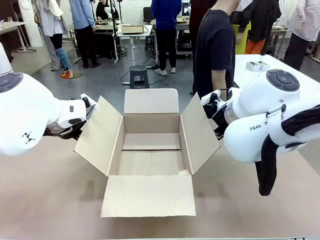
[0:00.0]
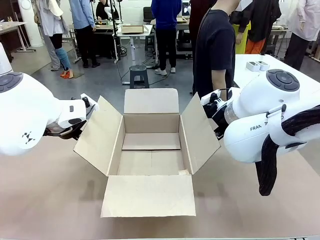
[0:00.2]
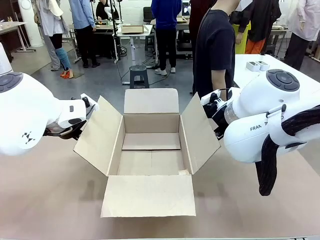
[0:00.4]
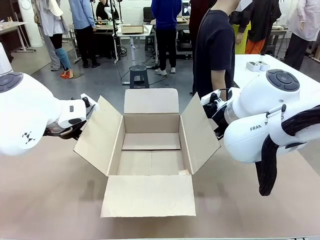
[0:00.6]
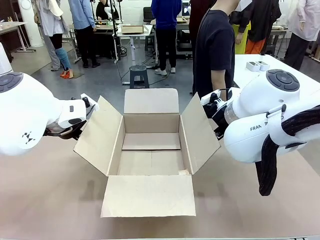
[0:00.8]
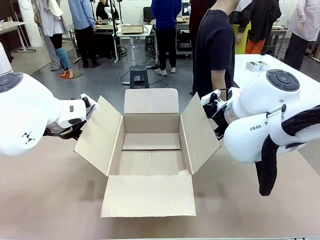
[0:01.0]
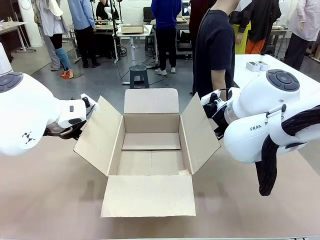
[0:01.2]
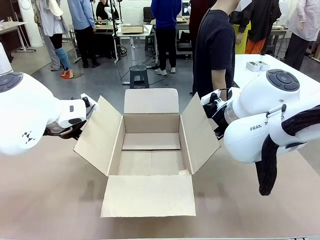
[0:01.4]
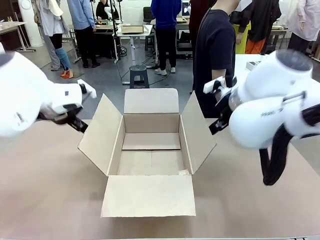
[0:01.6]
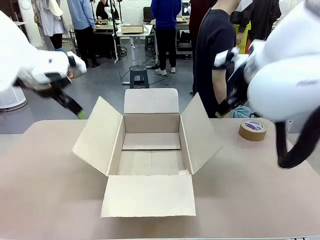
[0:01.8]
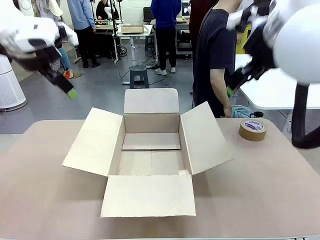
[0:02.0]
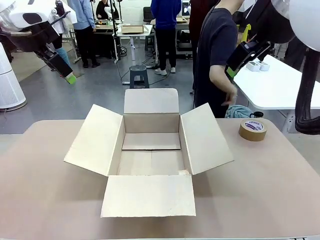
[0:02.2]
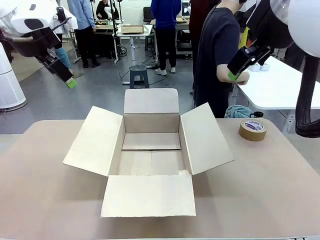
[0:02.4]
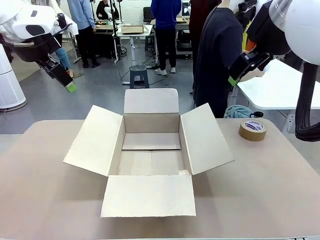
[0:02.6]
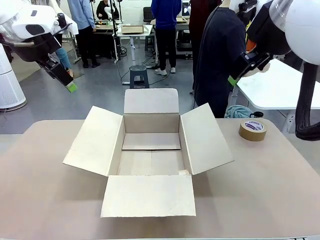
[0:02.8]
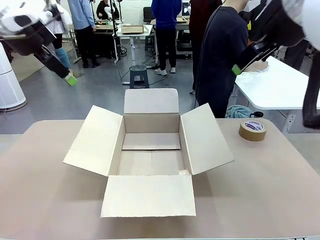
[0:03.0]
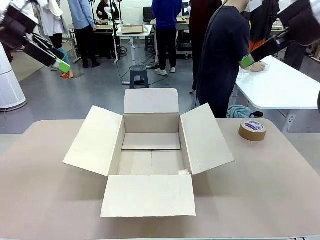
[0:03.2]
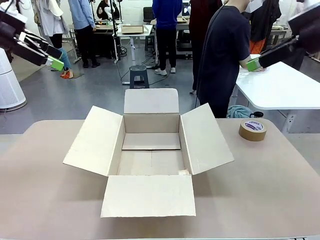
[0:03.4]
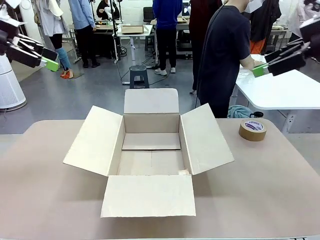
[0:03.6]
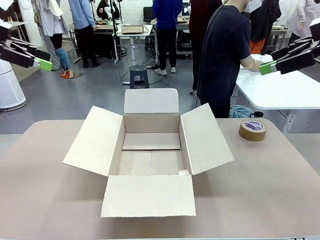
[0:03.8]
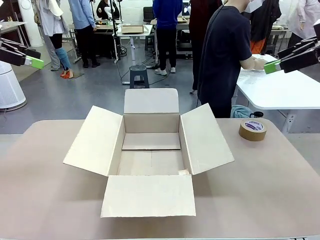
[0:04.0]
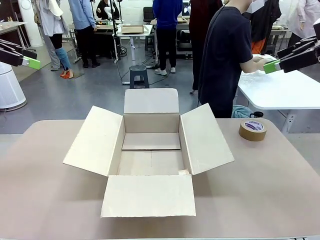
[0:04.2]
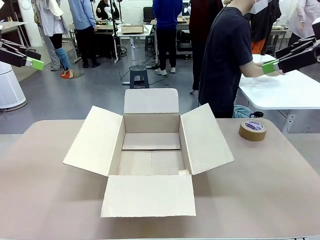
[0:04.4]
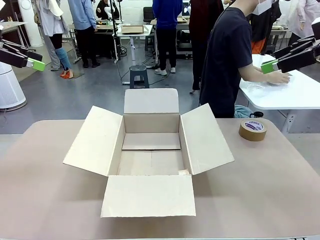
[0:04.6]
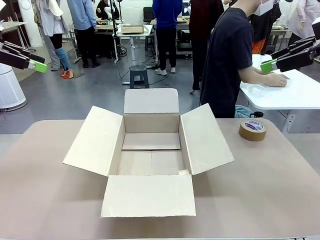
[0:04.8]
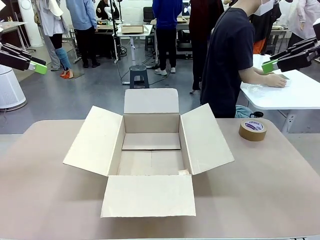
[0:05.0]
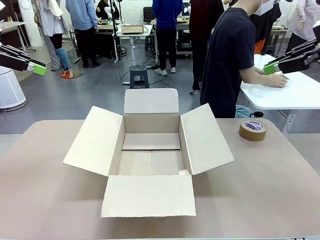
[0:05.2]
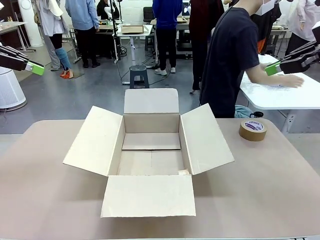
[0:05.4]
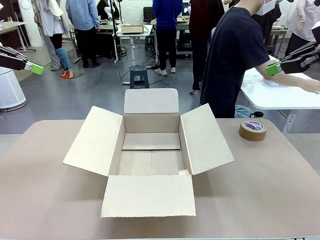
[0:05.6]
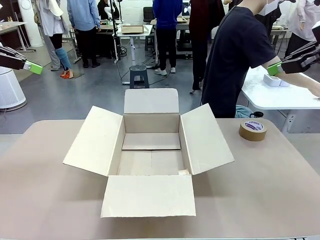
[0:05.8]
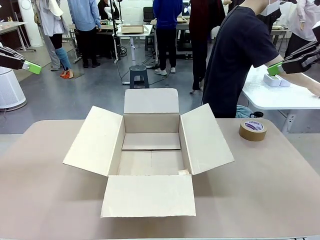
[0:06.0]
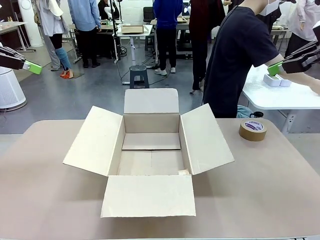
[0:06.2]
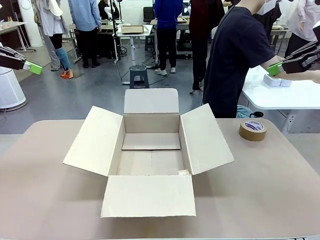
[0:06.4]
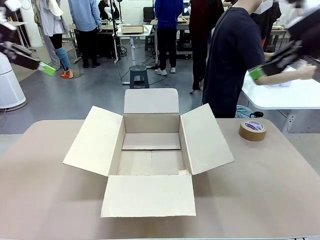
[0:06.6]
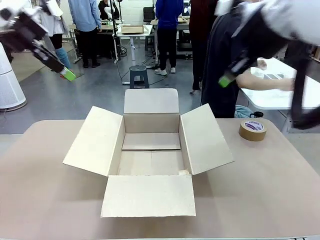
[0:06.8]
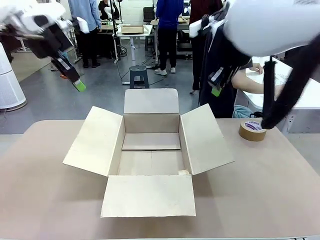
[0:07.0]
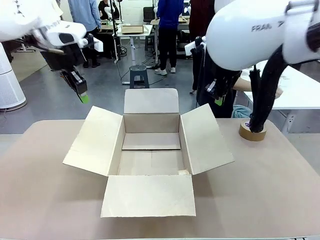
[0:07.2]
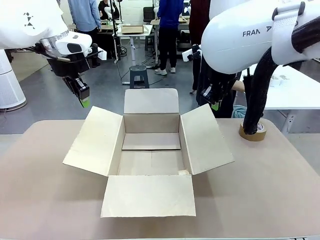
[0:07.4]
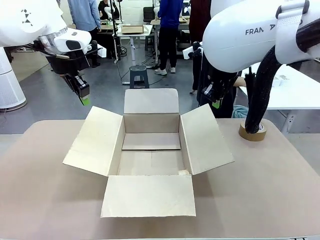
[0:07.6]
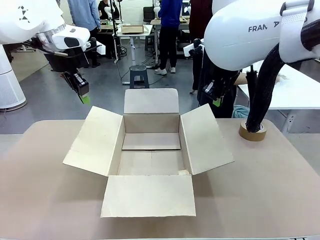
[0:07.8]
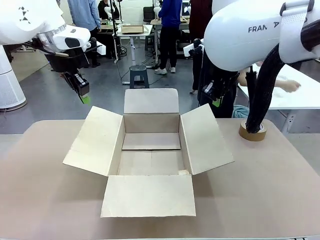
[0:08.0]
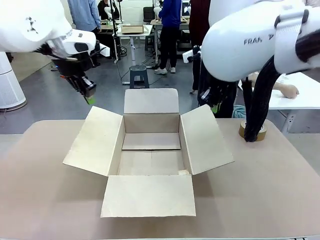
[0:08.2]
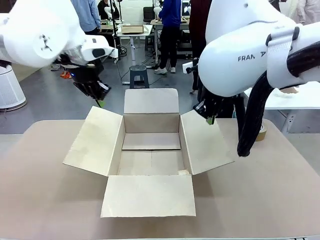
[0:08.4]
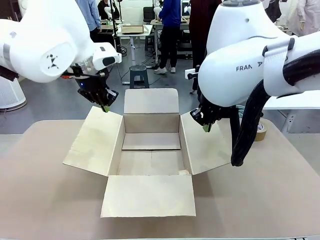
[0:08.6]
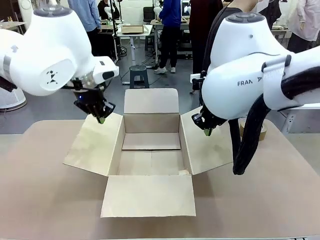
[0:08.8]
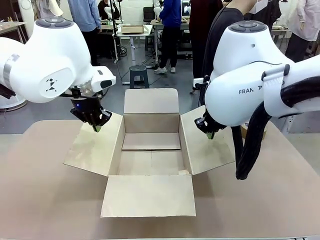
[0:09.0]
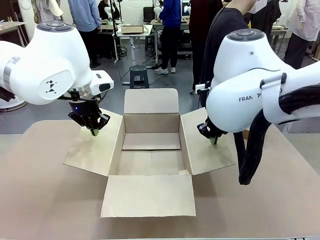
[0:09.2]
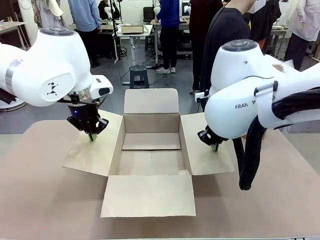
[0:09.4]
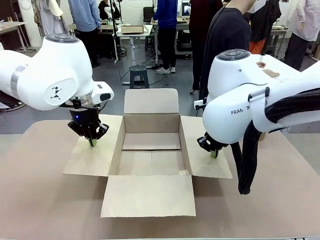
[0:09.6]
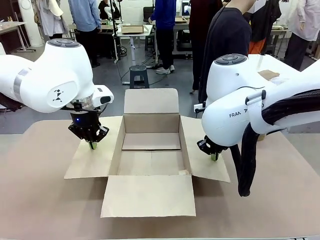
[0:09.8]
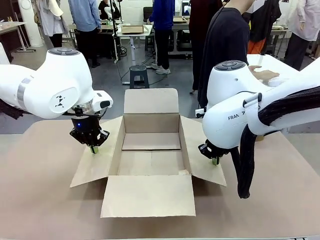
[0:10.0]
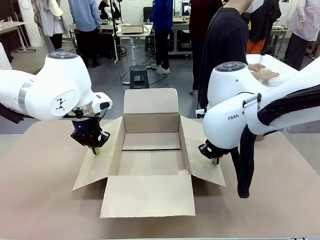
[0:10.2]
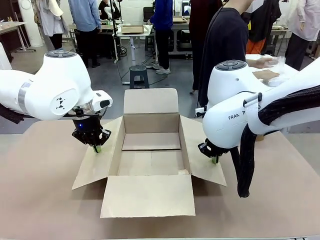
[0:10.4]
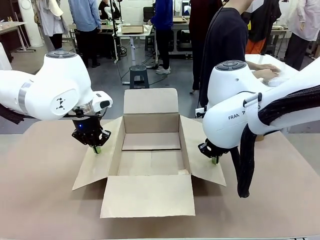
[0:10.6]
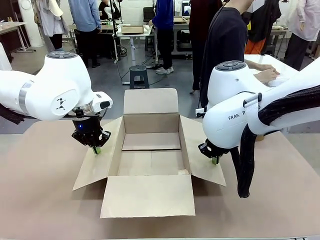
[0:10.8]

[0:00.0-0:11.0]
Task: Wrap the clocks to prevent damage.
Robot: Open the side flaps of the Package Box.
Person: Wrap the two Digital clocks with Bubble Wrap.

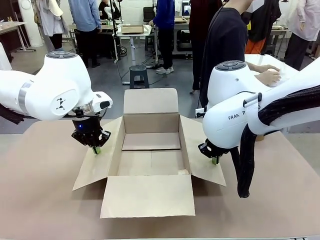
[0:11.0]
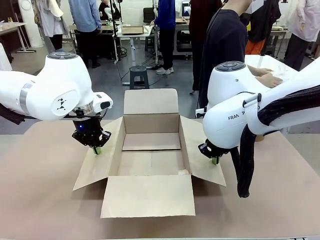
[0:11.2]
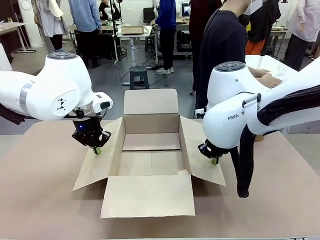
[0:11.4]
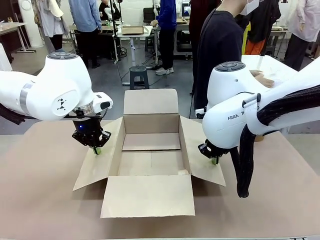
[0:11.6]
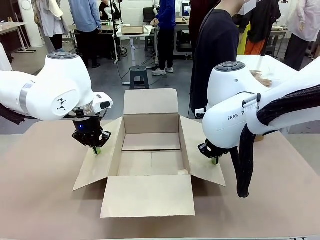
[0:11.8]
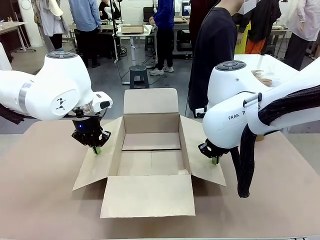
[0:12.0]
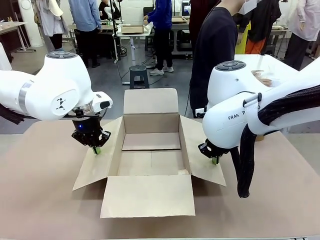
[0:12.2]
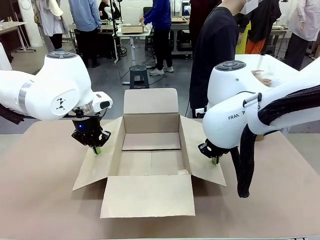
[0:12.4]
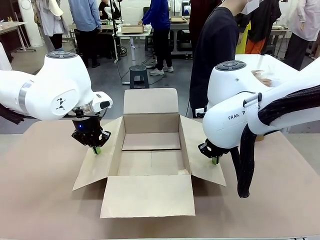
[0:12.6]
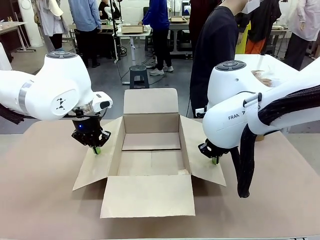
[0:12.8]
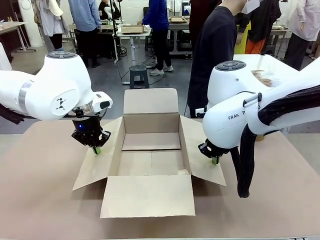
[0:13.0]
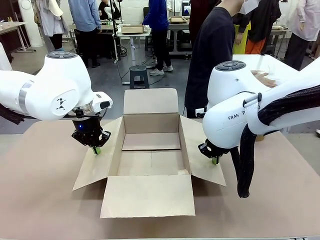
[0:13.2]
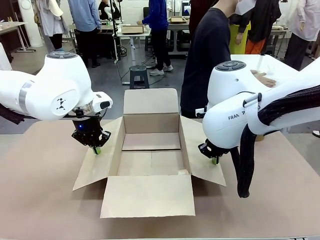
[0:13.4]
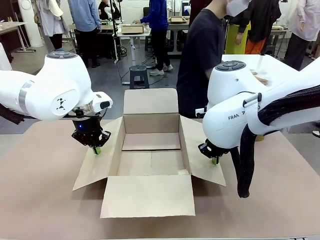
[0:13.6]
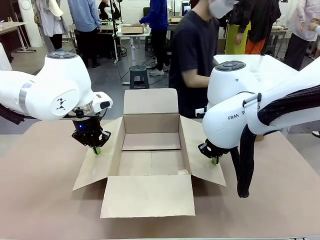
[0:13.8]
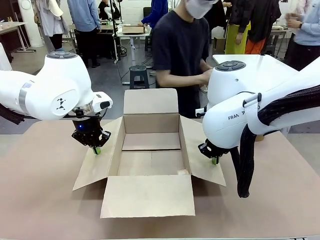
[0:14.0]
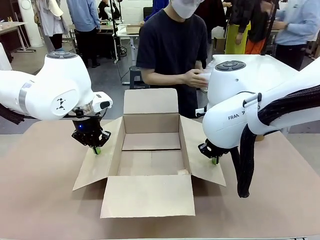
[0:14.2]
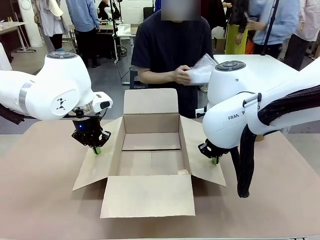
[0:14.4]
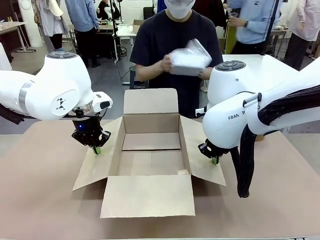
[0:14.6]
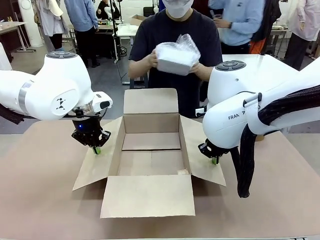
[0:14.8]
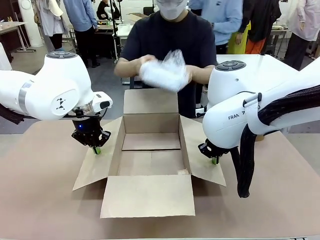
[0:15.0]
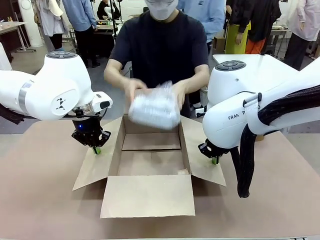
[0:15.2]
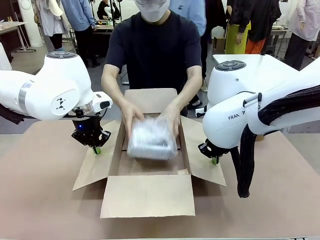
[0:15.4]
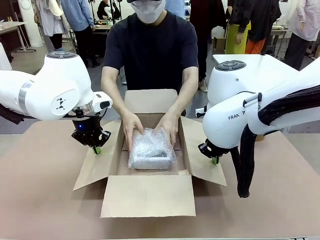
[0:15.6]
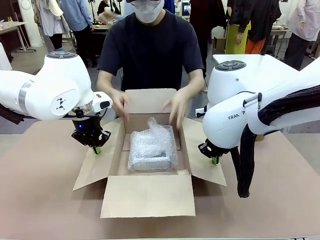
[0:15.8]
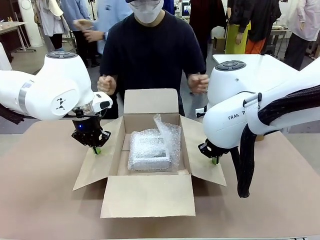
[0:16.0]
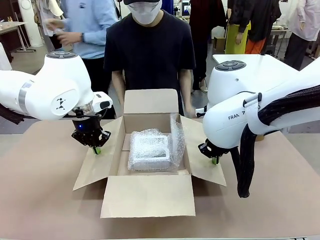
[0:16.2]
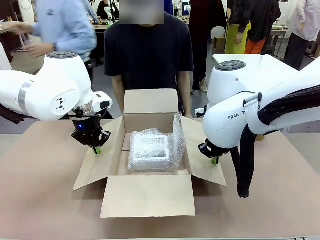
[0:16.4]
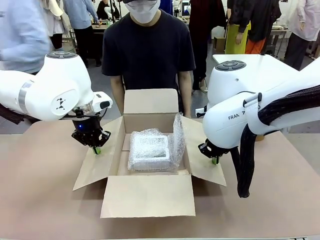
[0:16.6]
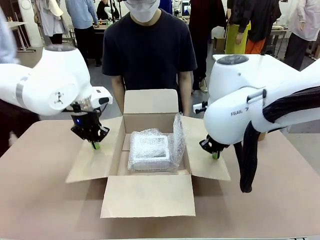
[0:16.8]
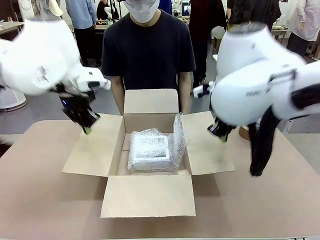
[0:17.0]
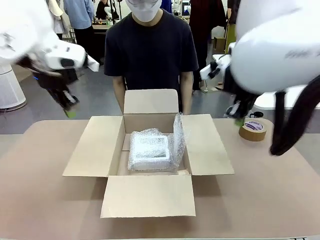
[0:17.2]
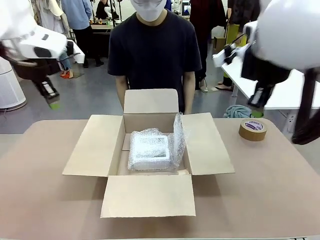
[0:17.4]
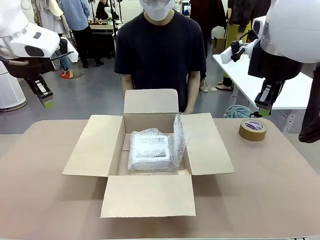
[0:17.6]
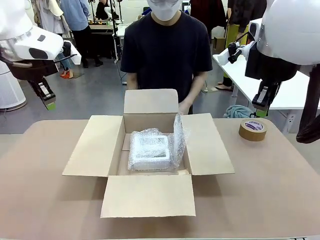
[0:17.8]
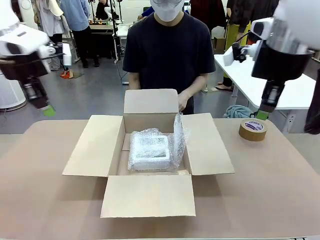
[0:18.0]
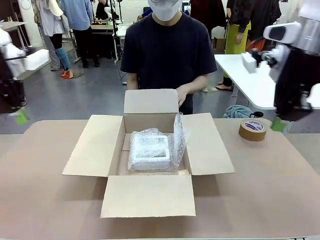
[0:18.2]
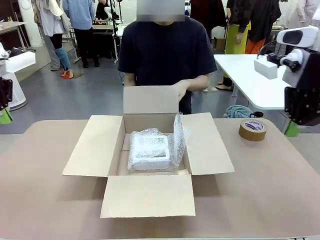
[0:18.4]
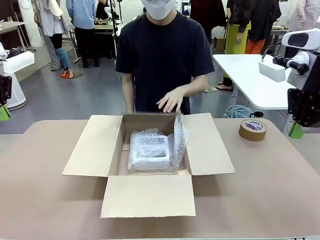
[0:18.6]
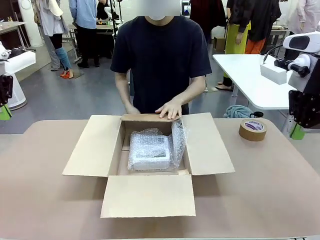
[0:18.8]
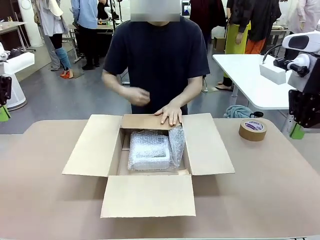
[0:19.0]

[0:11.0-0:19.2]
Robot: Once the human has placed the objects inside and stepped back, release both hands from the side flaps of the Package Box.
Person: Place the wrapped Digital clocks inside the Package Box. Hold the top and bottom flaps of the Package Box closed with your left (or right) hand.
